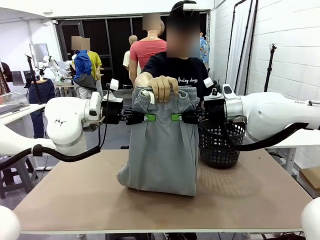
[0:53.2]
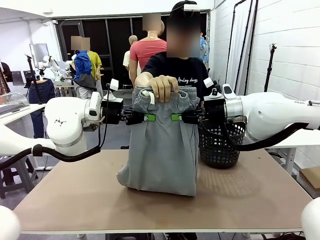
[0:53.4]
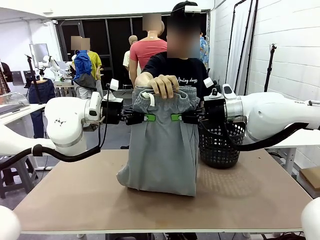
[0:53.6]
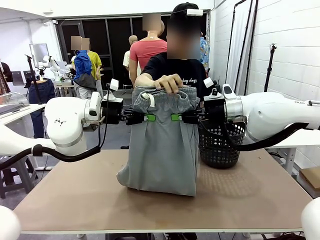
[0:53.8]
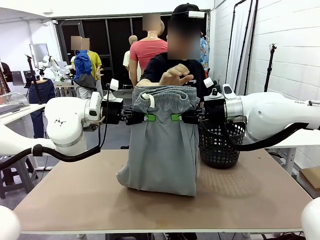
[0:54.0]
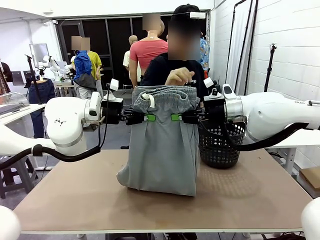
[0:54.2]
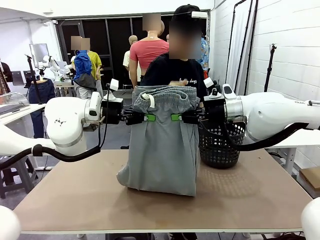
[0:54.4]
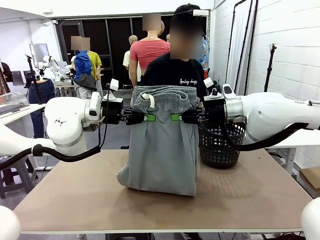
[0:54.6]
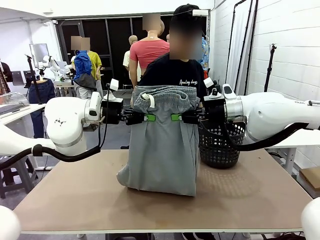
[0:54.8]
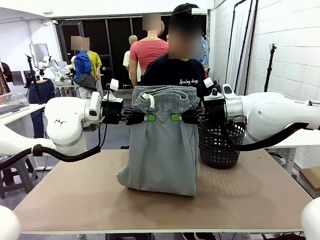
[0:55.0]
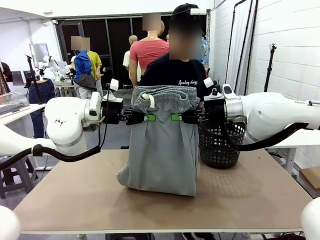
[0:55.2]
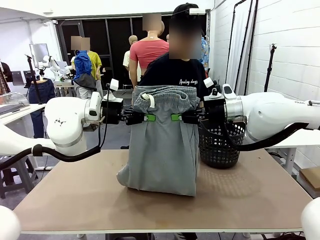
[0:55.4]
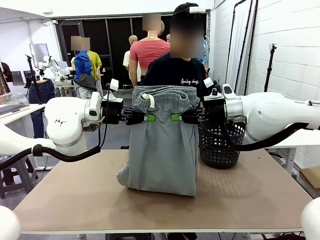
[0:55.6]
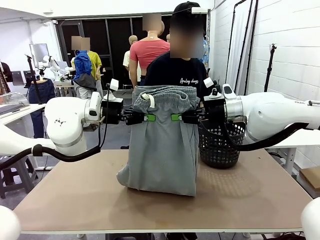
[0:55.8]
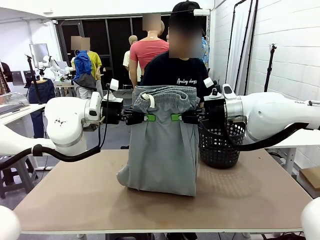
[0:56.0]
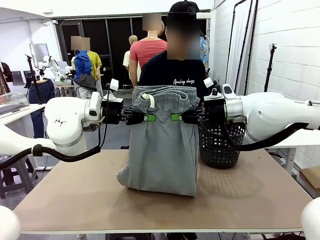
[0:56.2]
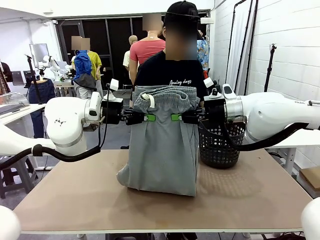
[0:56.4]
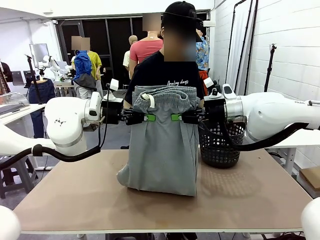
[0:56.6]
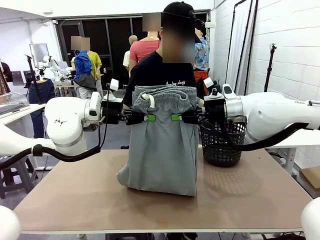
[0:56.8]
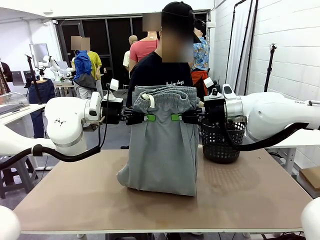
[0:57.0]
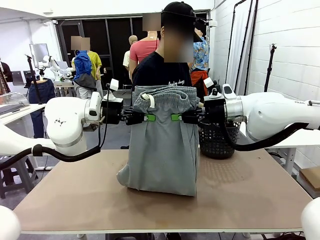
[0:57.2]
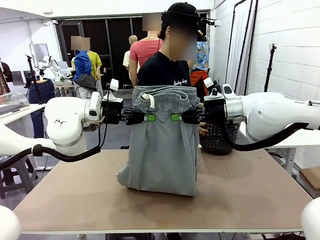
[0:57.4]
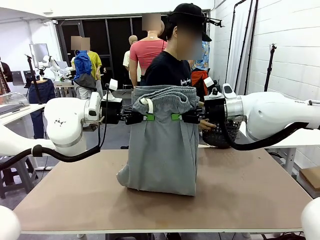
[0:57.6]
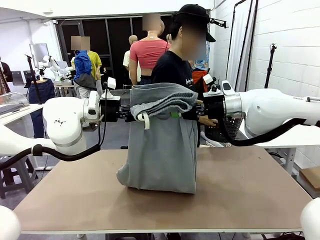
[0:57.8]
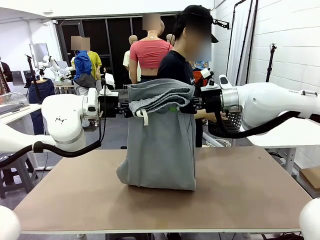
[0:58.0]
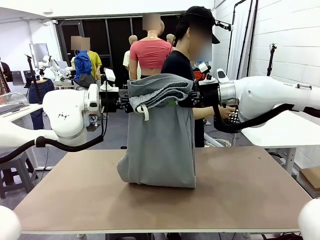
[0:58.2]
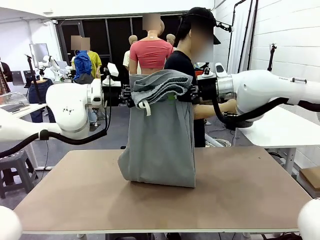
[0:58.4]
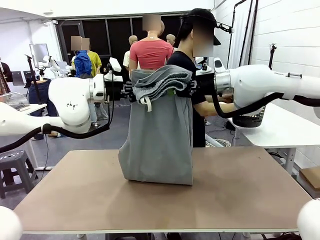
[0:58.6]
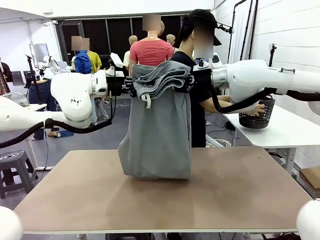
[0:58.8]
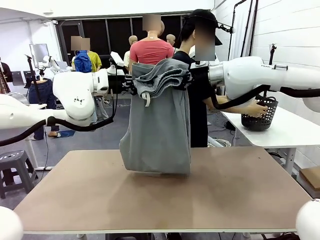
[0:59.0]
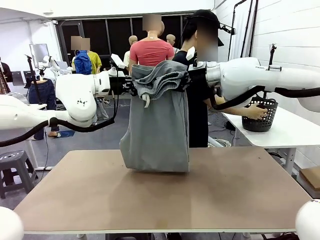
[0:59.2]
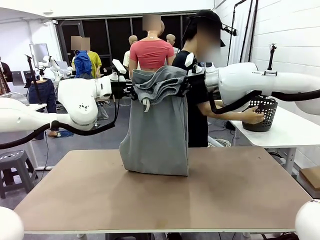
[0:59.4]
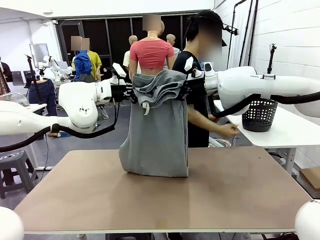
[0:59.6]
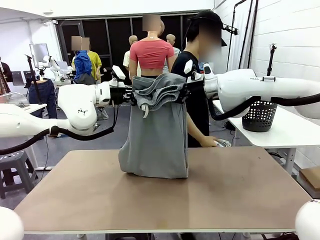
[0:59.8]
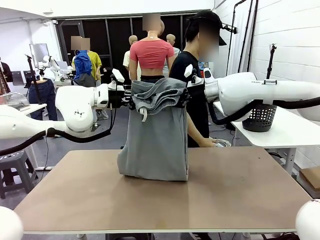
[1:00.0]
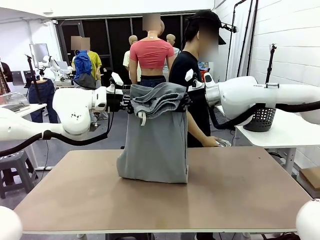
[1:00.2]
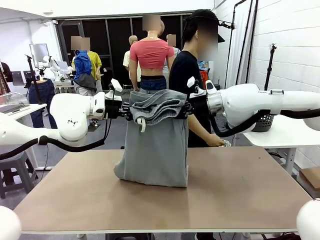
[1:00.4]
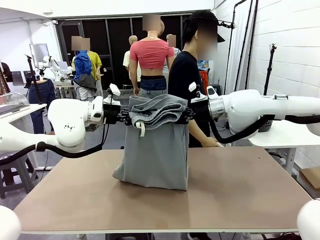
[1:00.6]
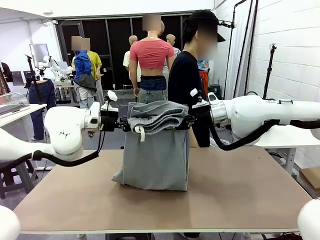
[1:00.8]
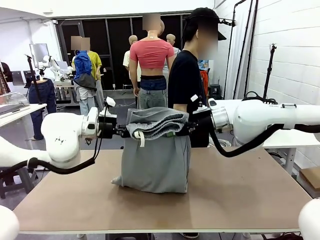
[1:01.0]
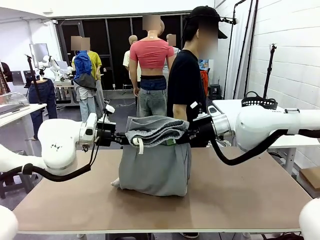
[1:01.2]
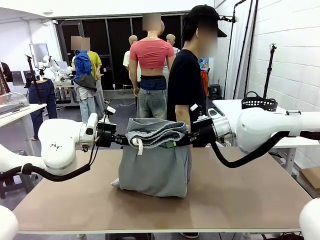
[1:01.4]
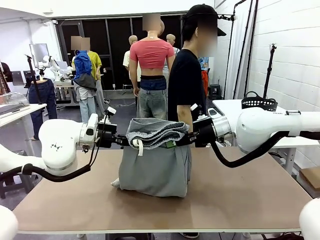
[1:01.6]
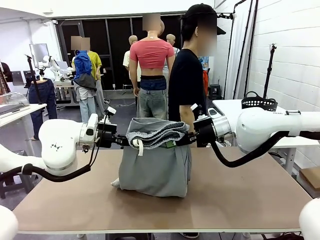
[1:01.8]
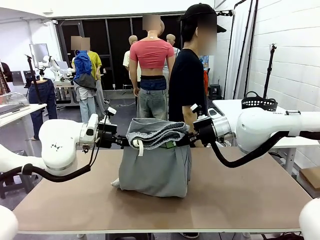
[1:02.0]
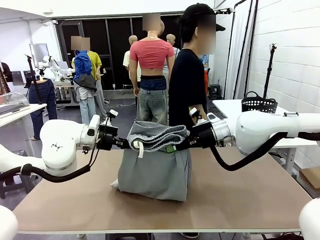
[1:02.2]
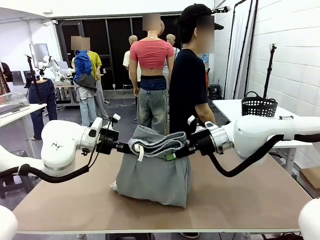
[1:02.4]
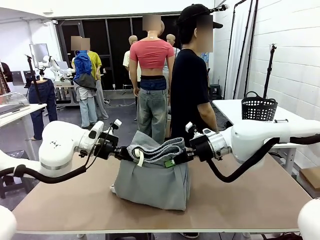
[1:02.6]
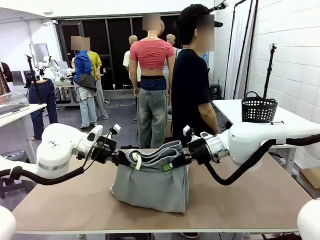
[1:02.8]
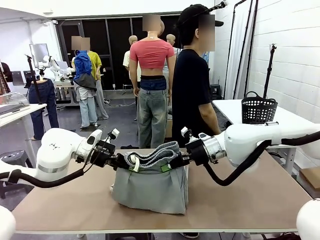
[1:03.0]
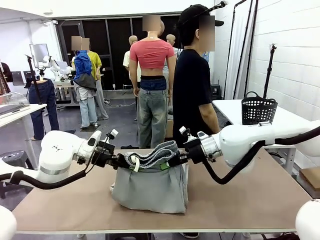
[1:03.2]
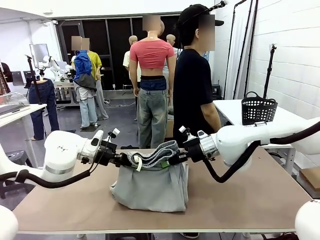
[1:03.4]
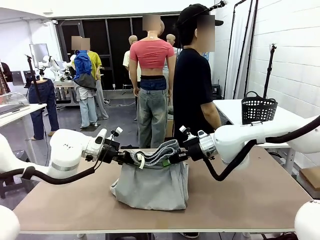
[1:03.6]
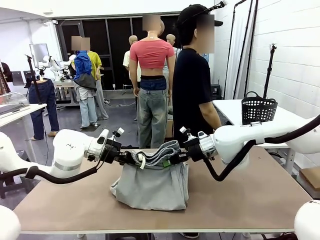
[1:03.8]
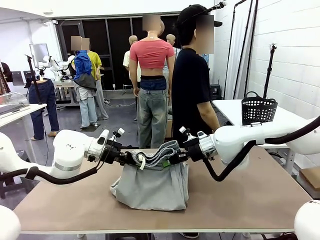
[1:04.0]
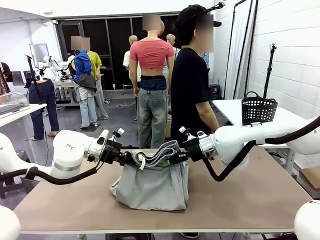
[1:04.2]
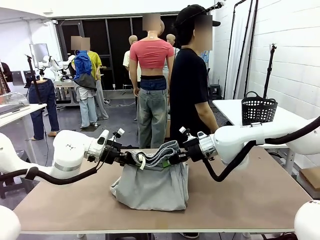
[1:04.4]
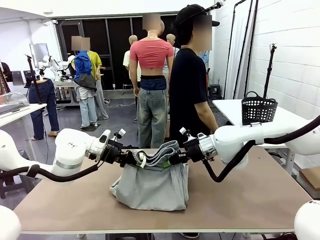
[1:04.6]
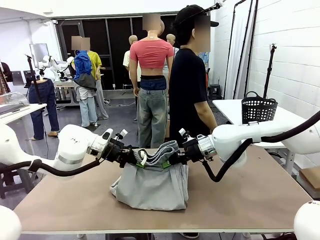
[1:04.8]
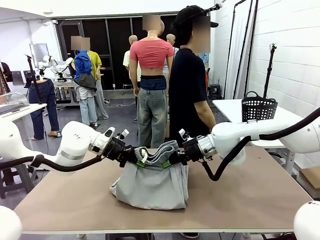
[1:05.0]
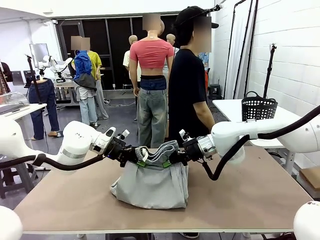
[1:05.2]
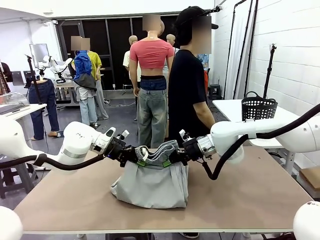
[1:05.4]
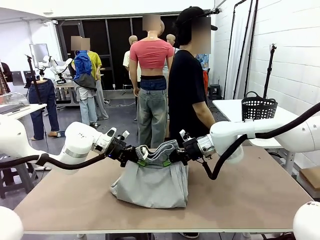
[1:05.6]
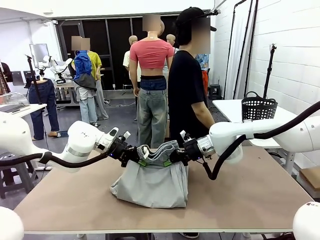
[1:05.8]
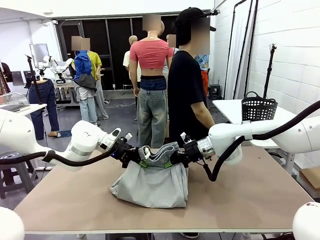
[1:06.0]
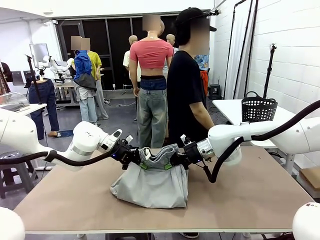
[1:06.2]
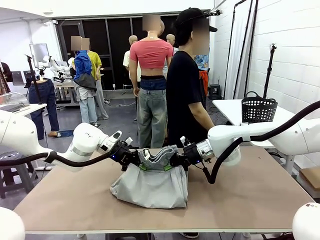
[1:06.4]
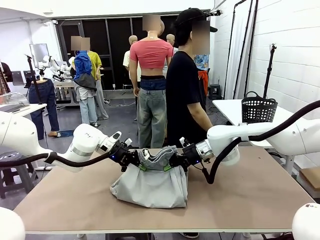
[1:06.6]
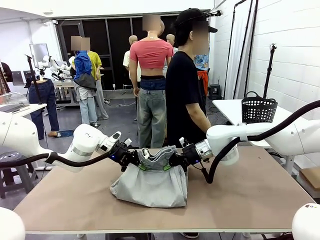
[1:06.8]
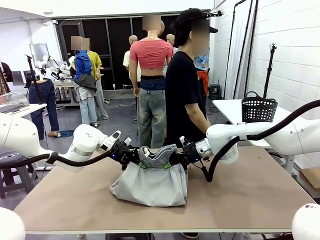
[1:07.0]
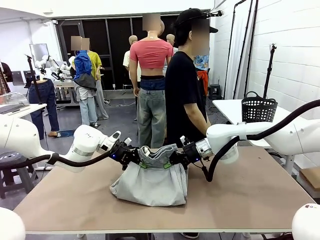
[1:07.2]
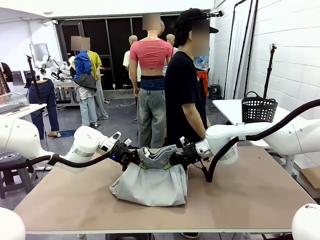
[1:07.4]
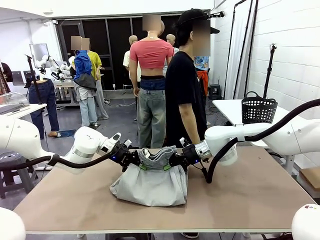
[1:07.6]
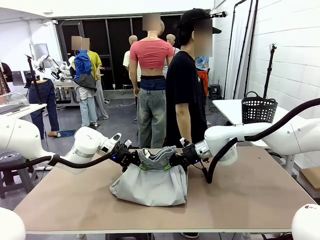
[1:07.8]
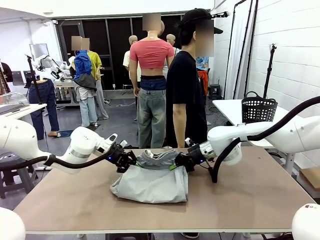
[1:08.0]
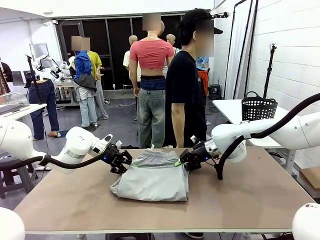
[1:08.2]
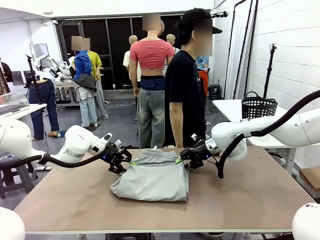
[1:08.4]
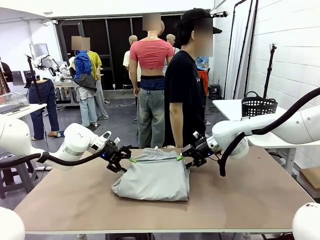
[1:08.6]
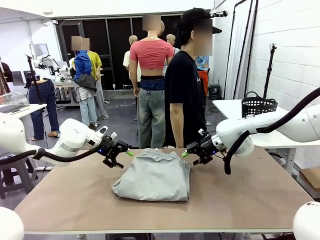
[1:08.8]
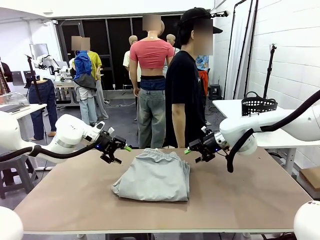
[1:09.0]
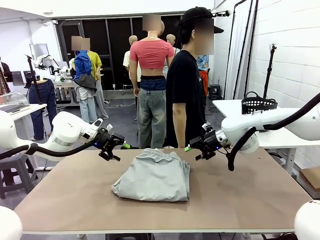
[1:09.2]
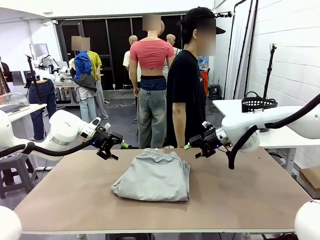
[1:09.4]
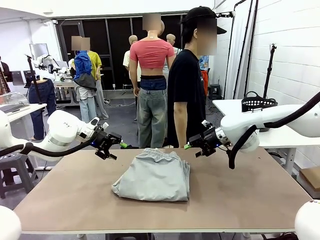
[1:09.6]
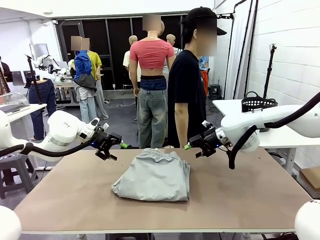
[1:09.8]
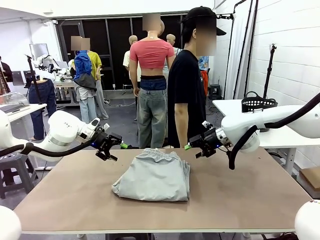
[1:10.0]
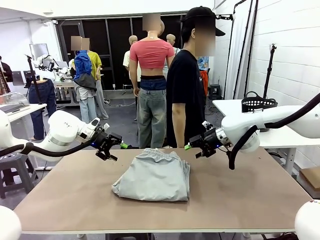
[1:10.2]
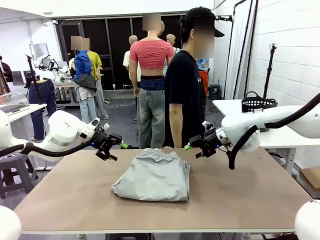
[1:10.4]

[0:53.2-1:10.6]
Task: Fold the training pants.
Robot: Fold the Training pants in half.
Person: Move the laundry basket to the right of the human table.
